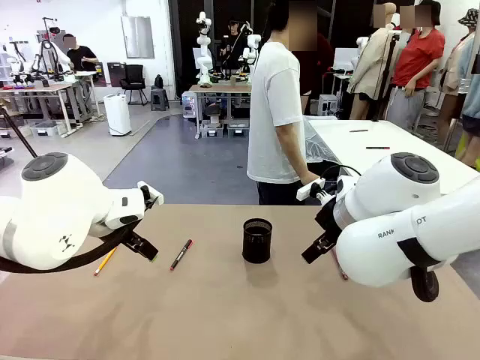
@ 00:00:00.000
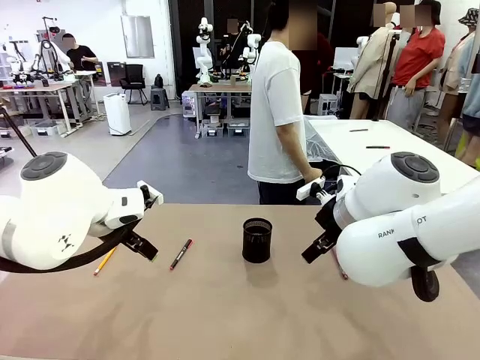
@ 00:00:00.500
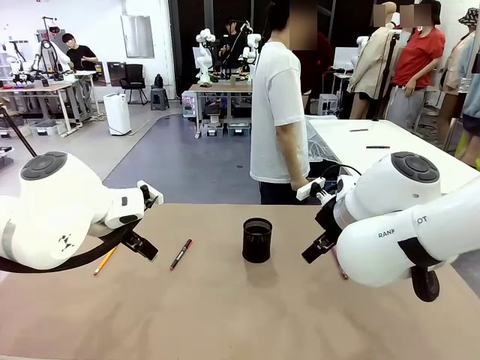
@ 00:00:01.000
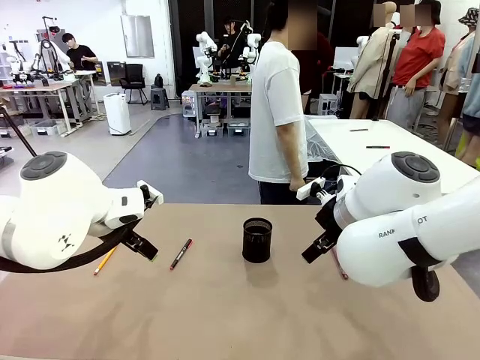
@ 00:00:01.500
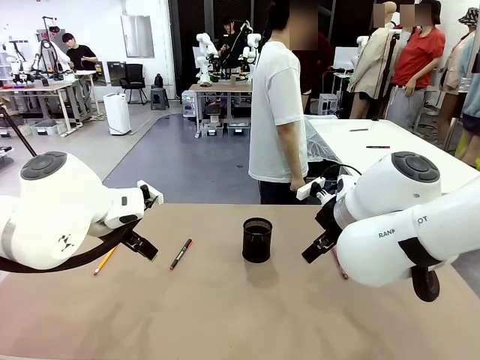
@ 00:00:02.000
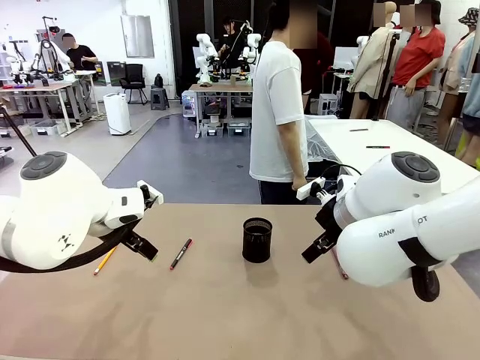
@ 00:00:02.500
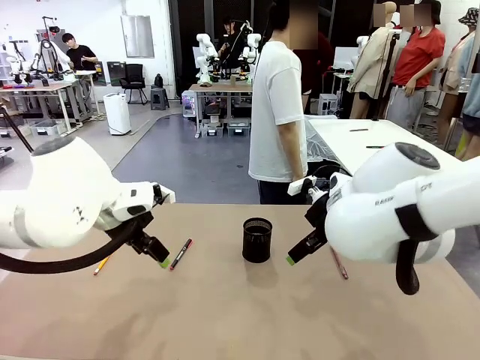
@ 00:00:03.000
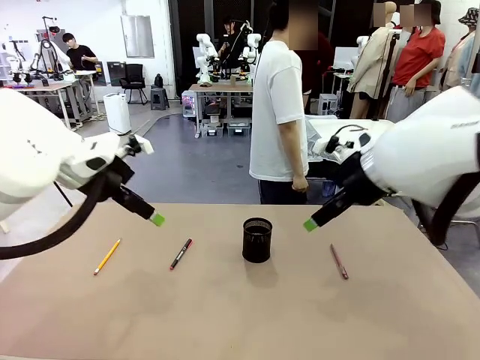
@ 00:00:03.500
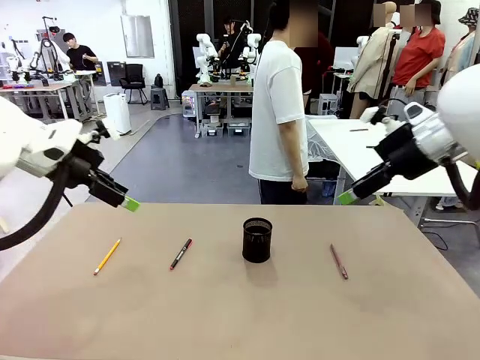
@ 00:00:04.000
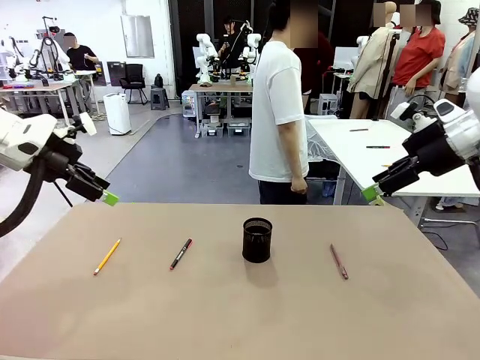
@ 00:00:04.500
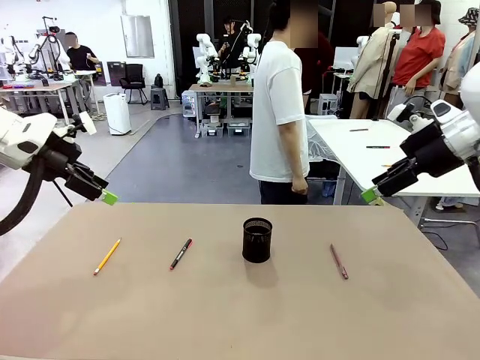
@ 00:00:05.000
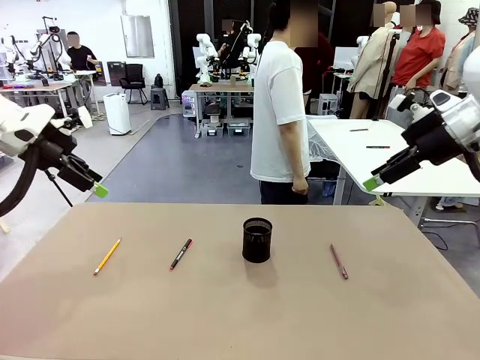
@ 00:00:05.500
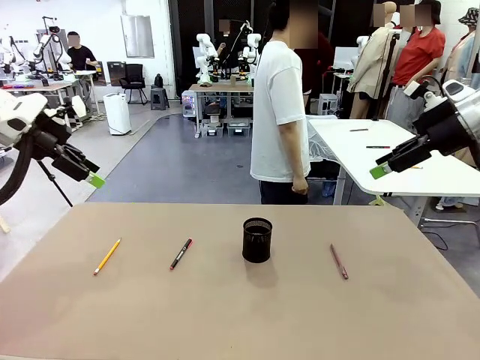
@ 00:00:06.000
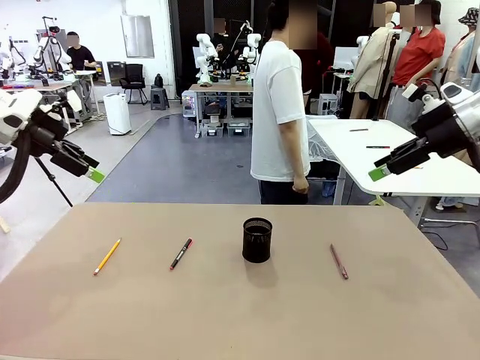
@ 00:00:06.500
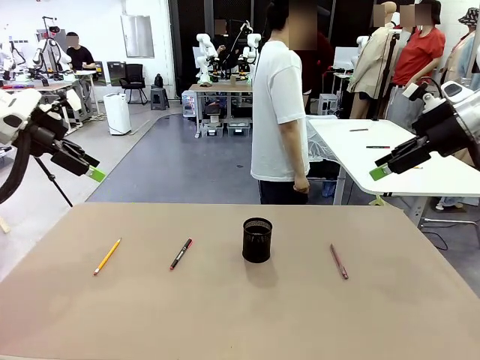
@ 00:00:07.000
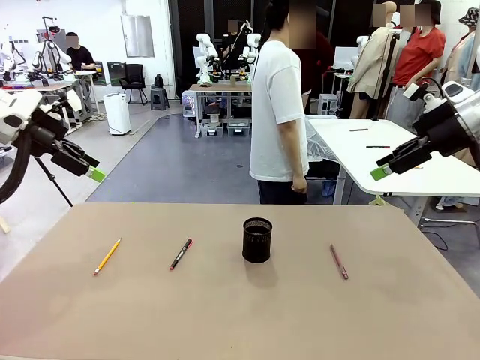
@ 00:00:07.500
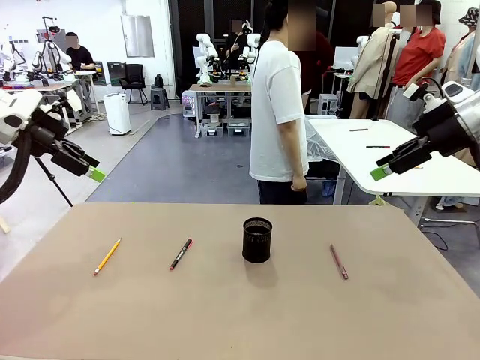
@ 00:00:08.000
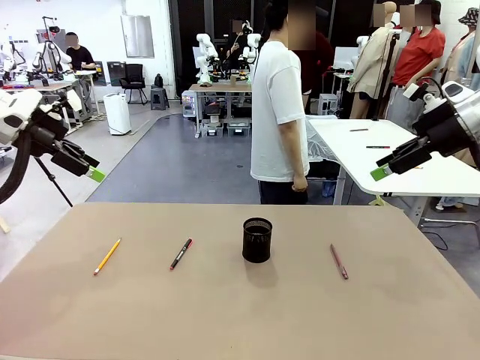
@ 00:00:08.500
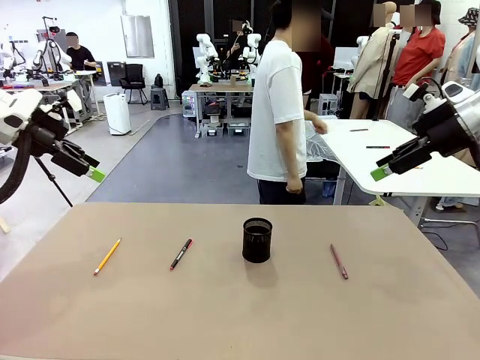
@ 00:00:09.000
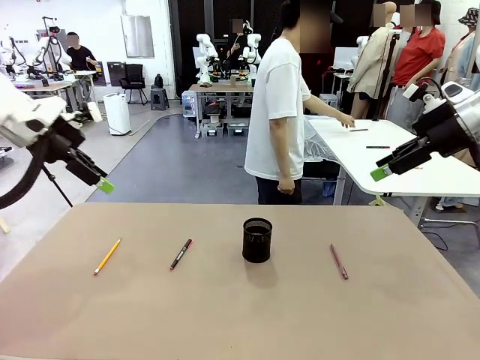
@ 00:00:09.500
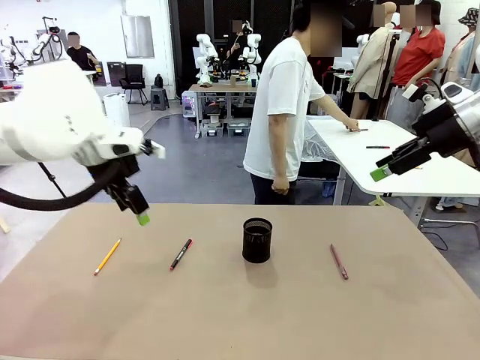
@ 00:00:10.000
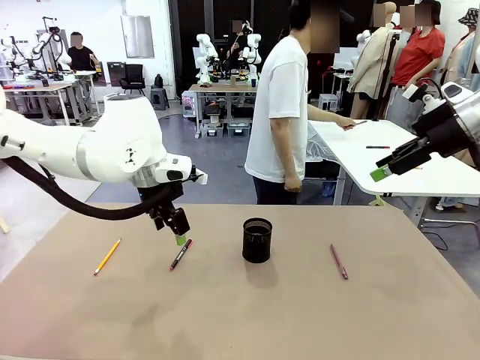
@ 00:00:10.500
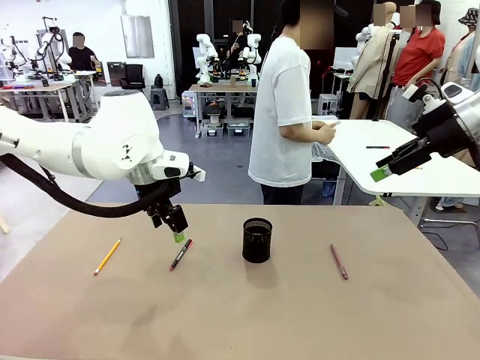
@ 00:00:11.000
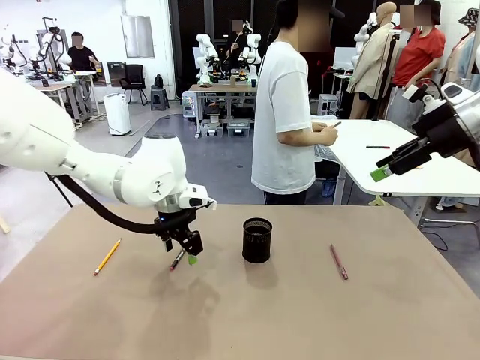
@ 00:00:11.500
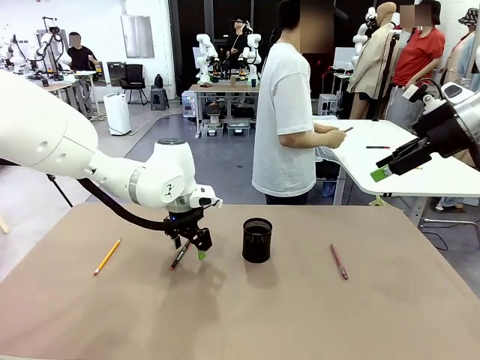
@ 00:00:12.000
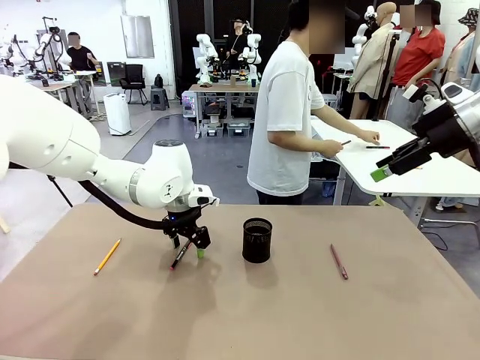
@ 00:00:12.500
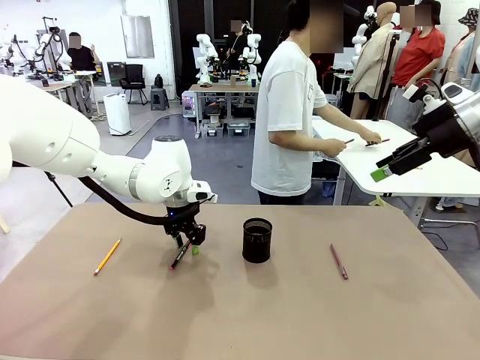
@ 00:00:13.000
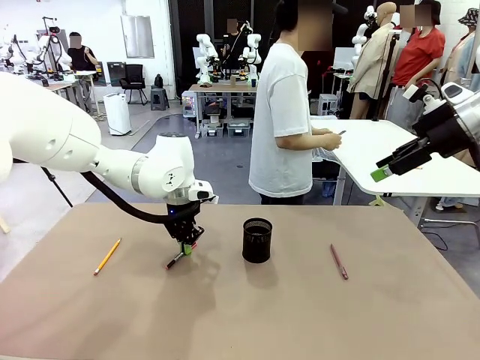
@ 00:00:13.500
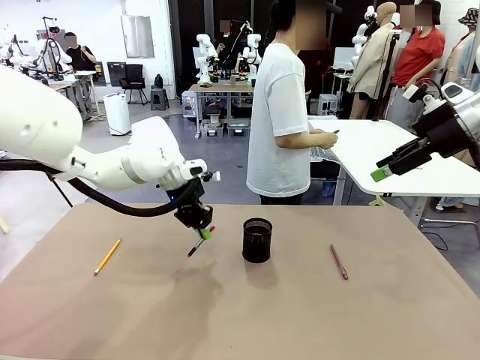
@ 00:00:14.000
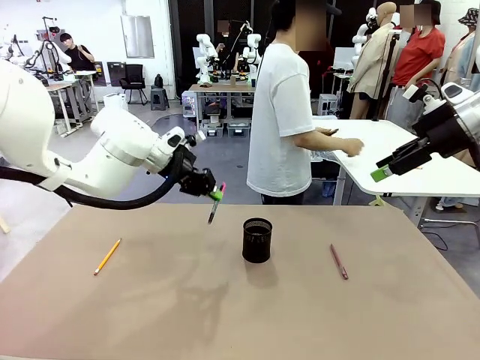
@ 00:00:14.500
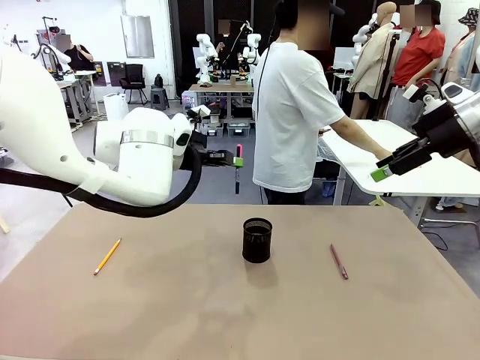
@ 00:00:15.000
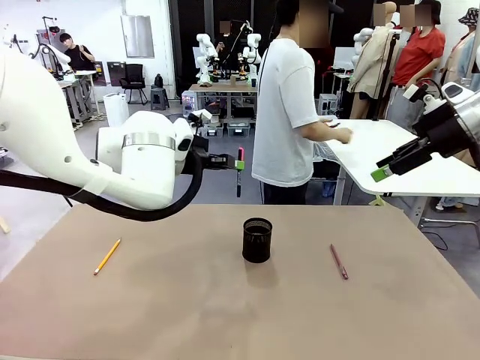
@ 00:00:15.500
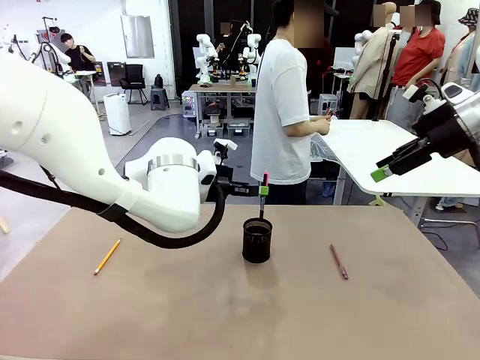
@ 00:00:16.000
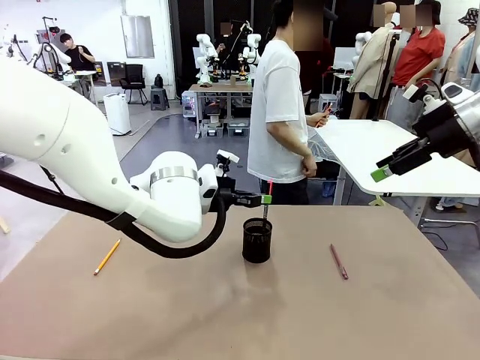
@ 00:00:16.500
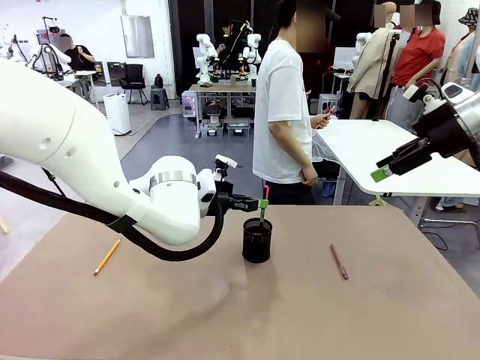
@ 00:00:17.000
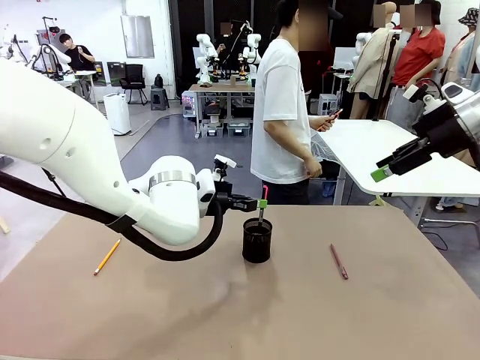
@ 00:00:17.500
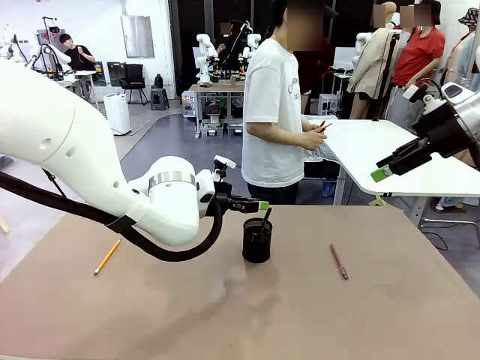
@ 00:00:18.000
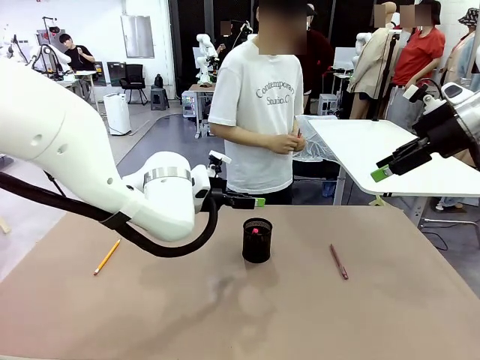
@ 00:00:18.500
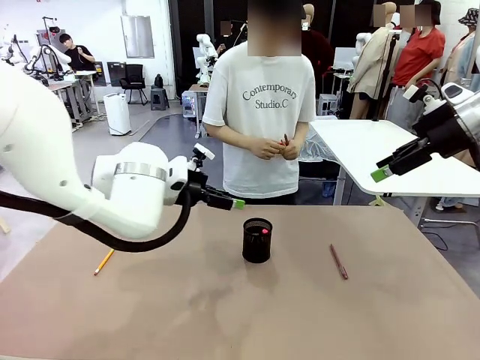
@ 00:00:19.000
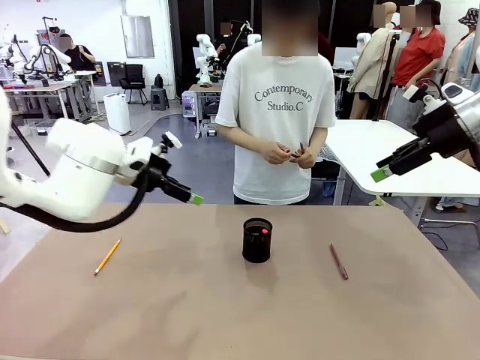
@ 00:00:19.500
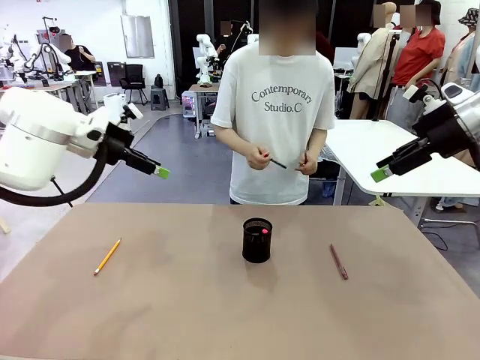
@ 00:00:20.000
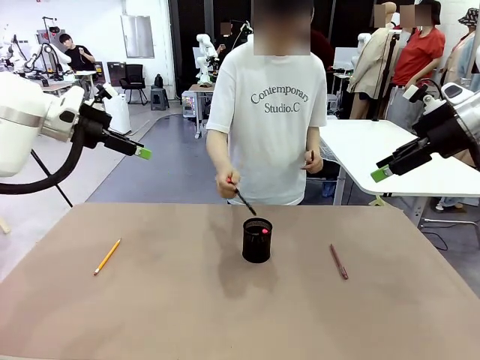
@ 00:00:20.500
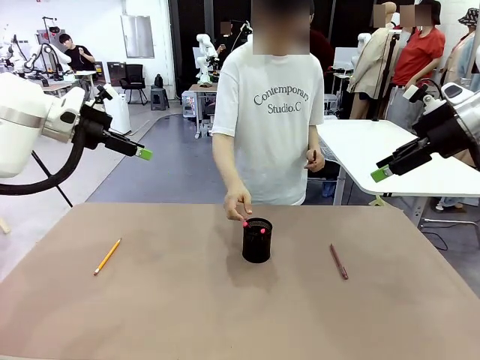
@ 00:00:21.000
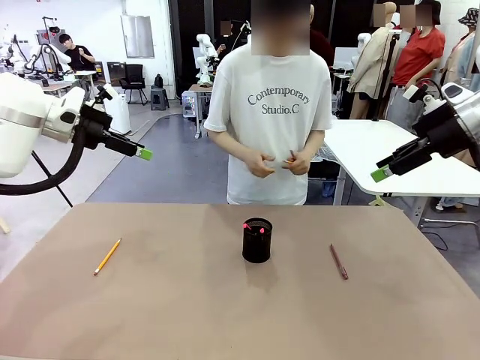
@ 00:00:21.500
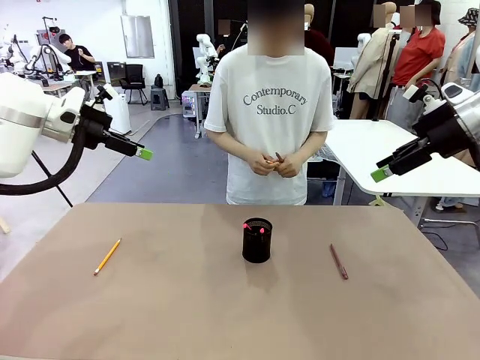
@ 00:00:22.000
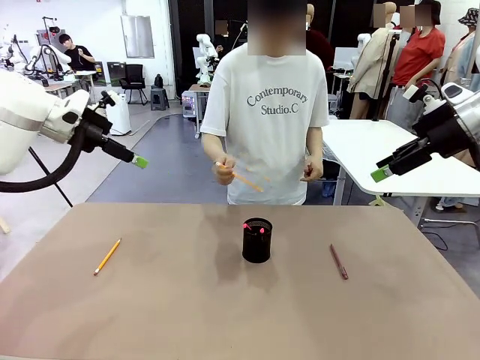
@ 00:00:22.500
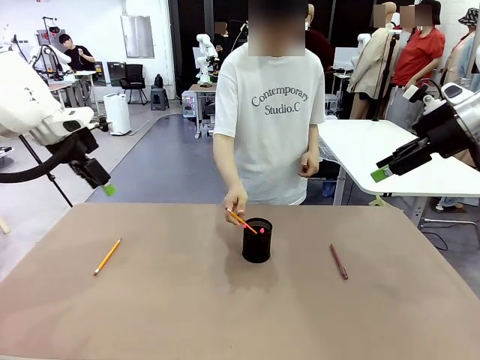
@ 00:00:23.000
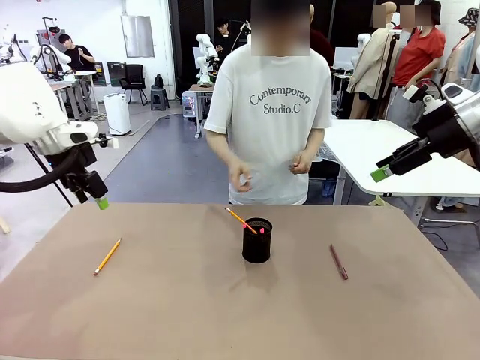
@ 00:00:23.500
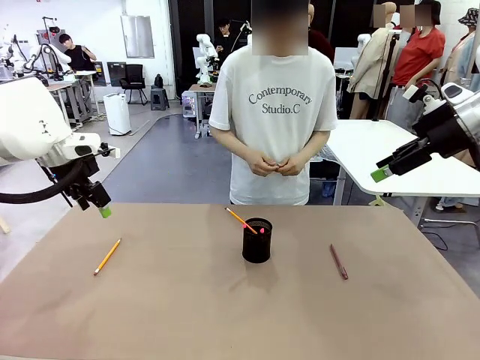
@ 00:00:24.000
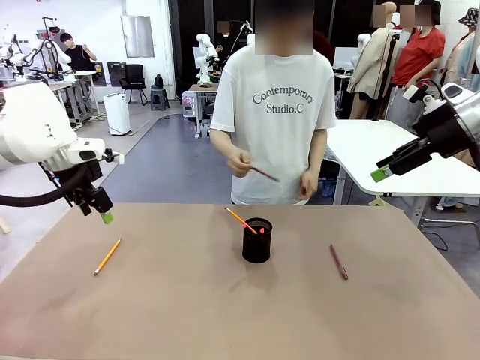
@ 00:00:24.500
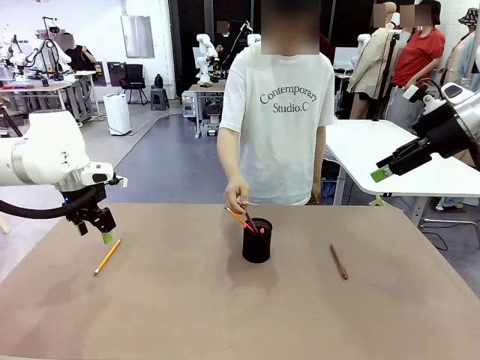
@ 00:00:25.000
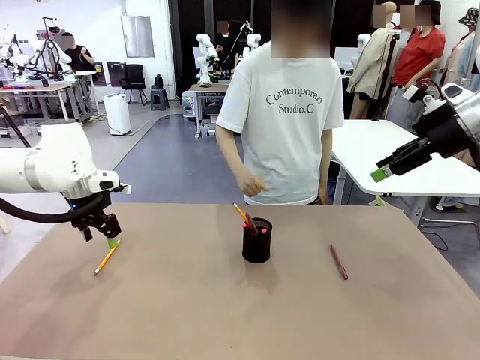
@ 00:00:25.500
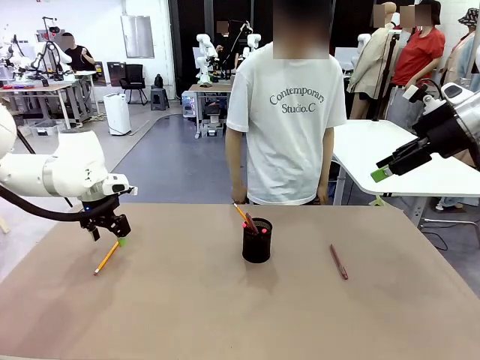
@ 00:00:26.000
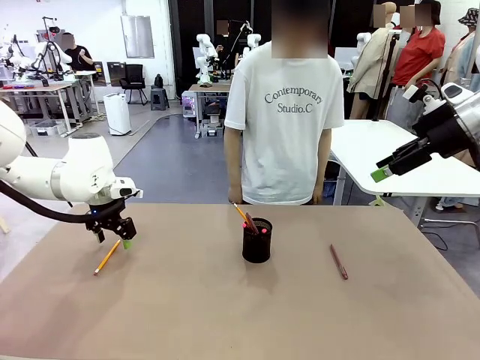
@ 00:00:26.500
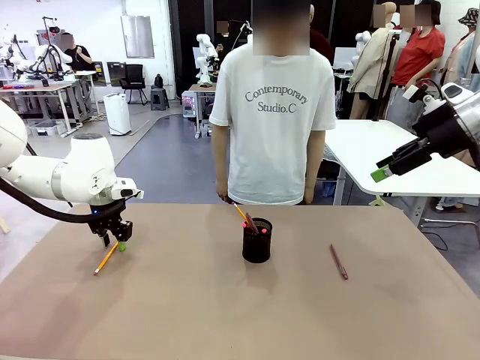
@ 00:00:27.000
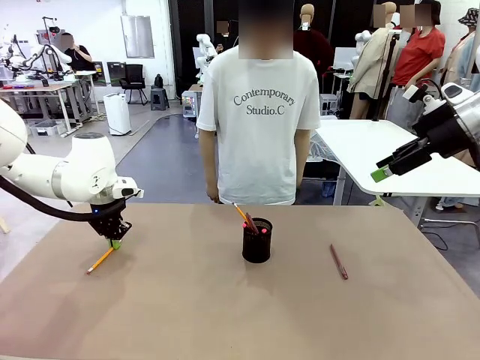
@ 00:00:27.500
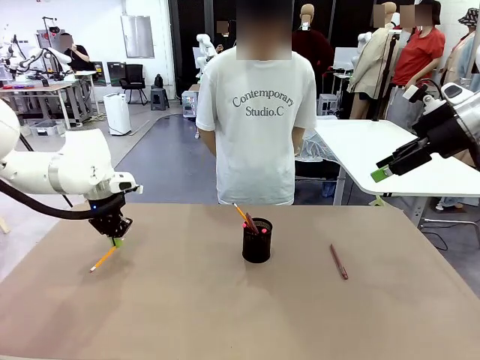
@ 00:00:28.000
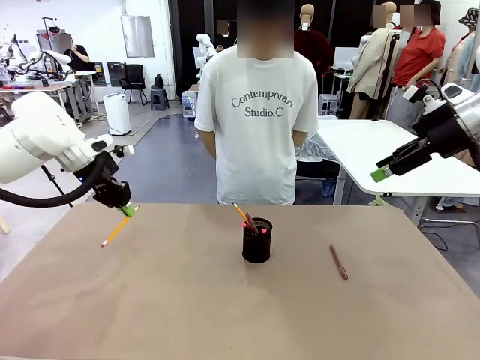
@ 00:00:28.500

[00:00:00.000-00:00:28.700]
Task: Place the pens into the pen holder.
Robot: Pick up a writing instrument from the table and place it into the Pen holder.
Person: Pick up all writing instruments from the Human table.
